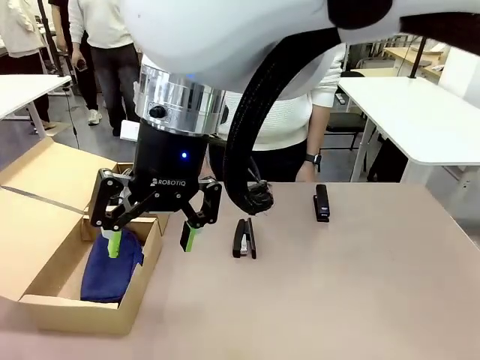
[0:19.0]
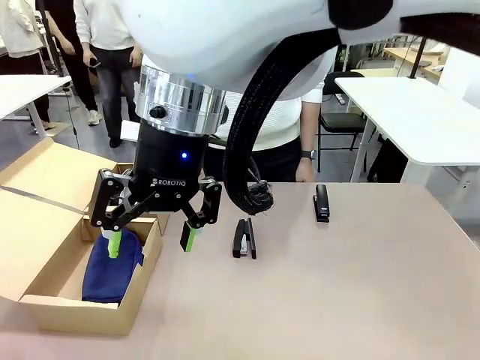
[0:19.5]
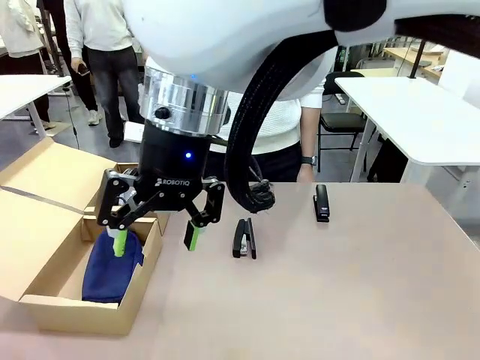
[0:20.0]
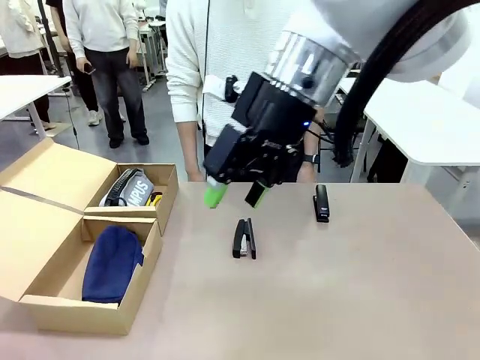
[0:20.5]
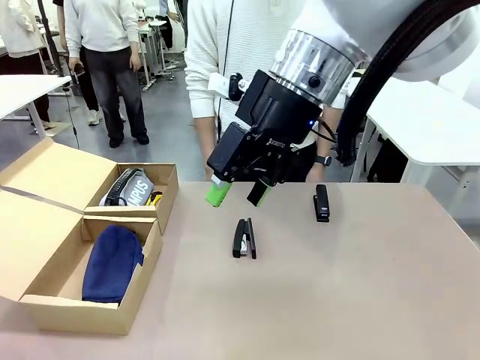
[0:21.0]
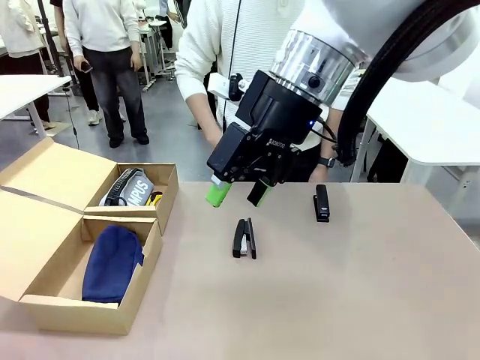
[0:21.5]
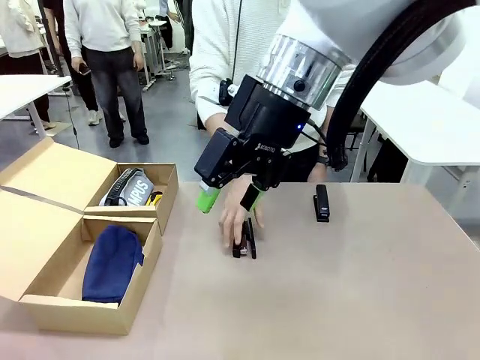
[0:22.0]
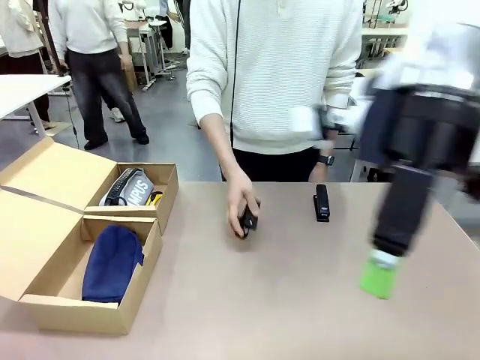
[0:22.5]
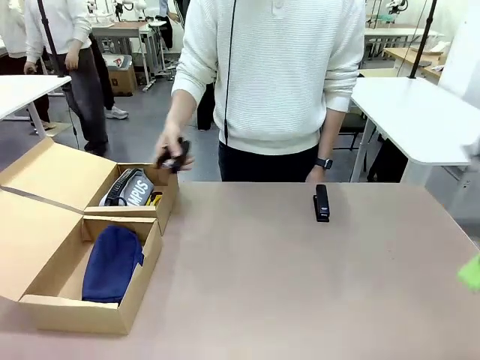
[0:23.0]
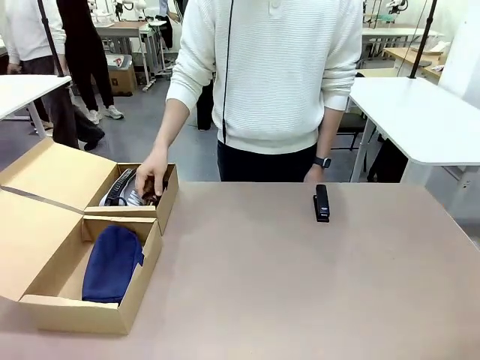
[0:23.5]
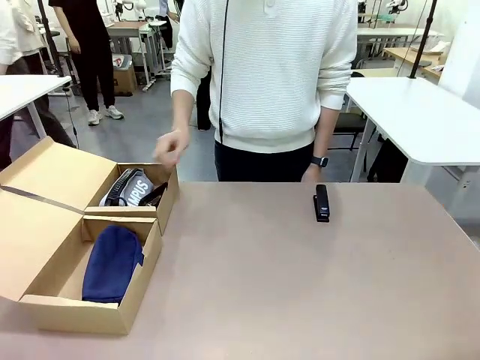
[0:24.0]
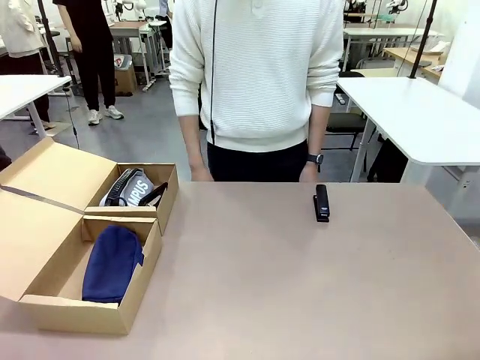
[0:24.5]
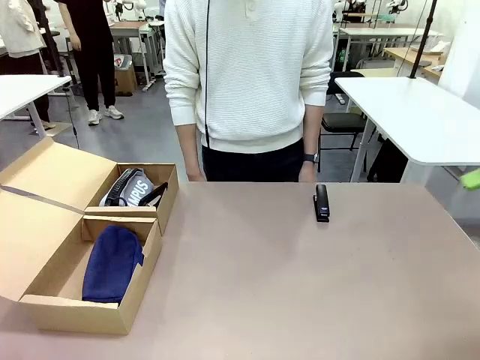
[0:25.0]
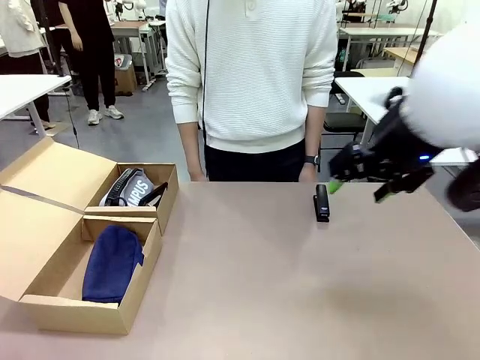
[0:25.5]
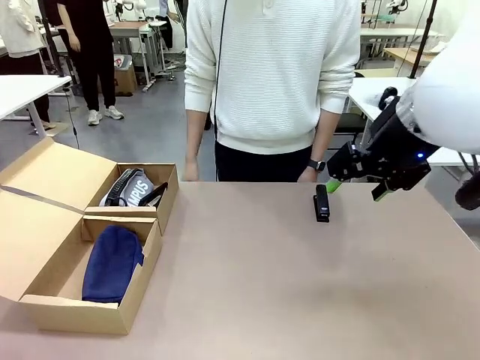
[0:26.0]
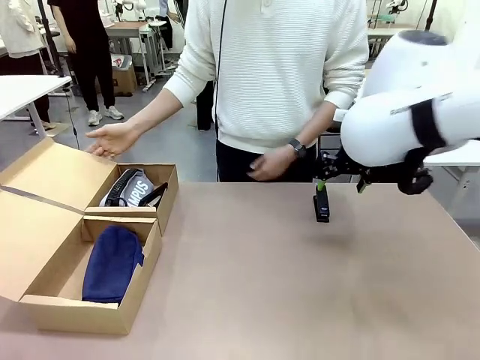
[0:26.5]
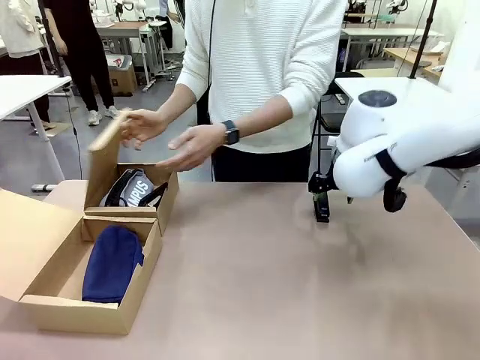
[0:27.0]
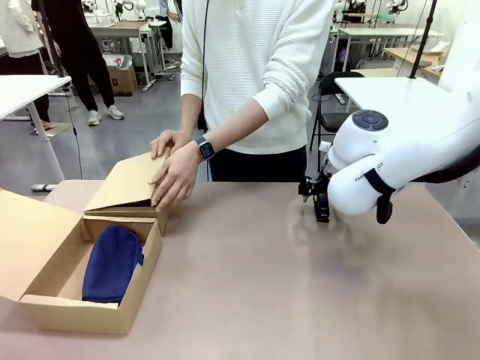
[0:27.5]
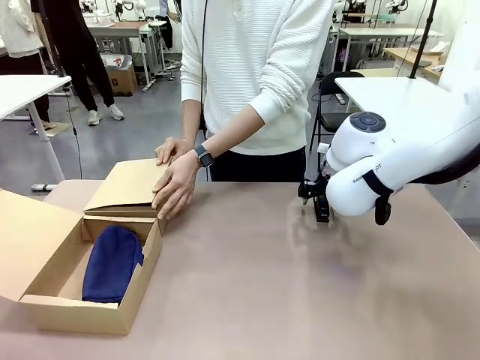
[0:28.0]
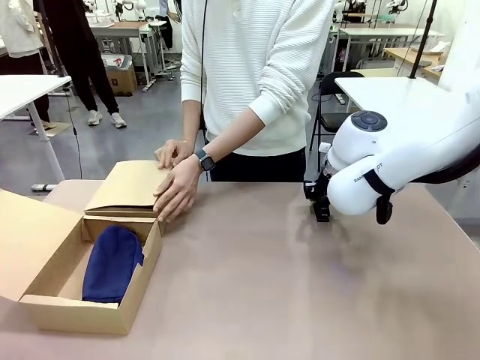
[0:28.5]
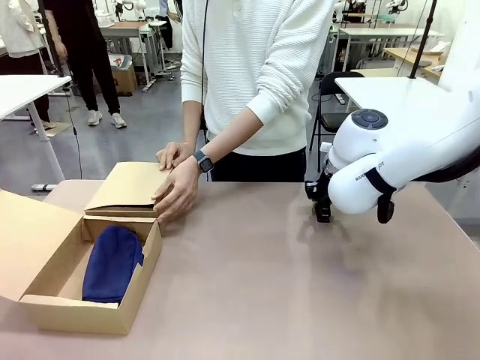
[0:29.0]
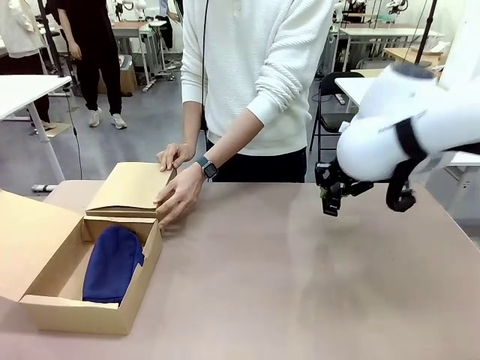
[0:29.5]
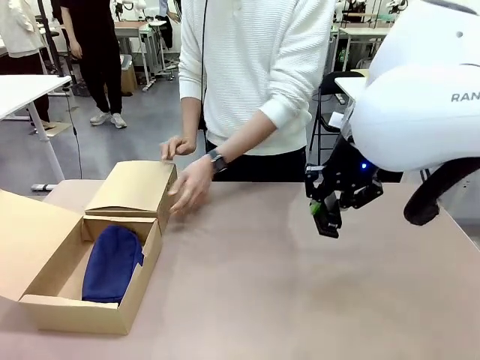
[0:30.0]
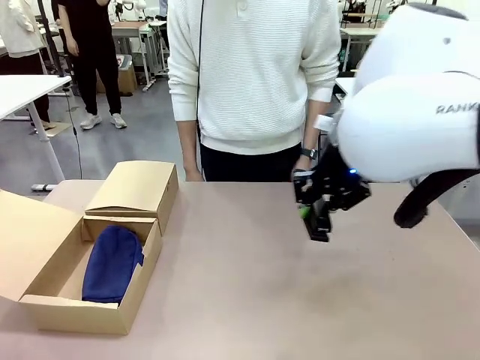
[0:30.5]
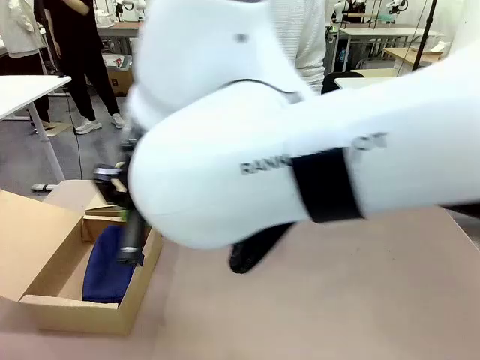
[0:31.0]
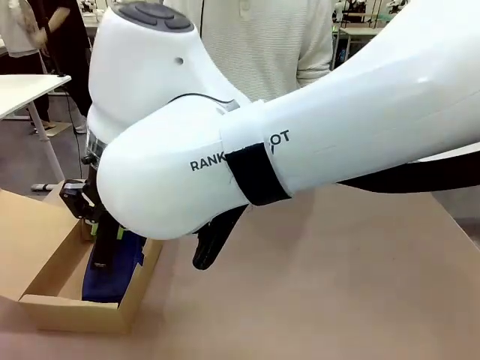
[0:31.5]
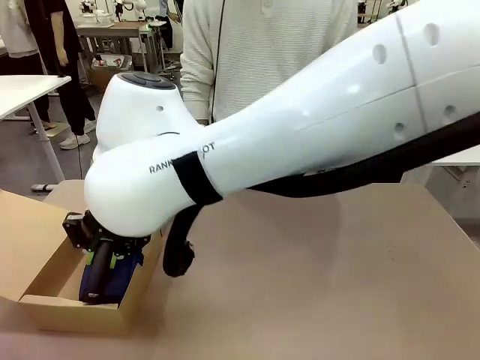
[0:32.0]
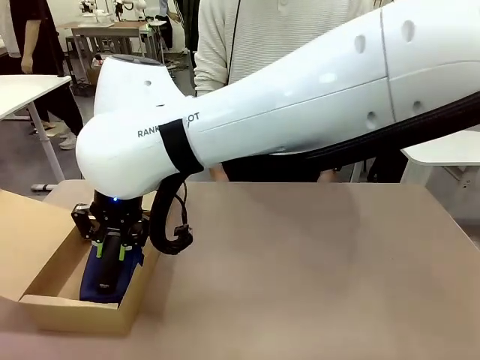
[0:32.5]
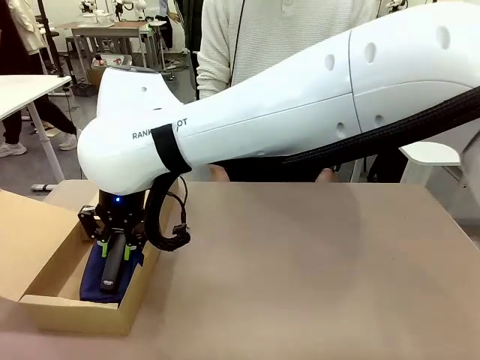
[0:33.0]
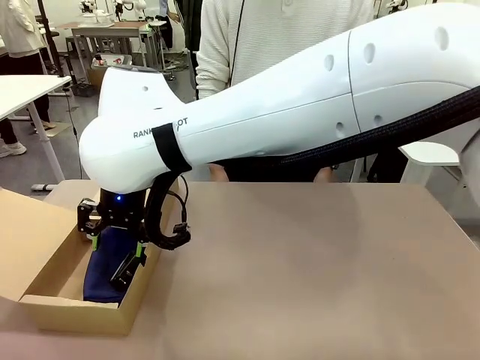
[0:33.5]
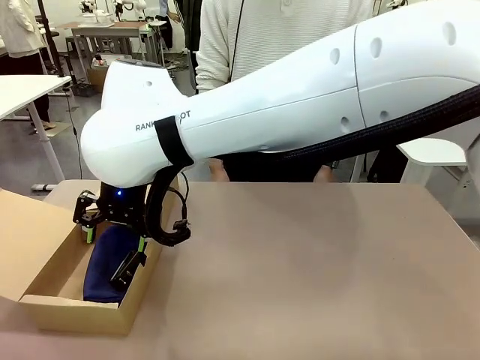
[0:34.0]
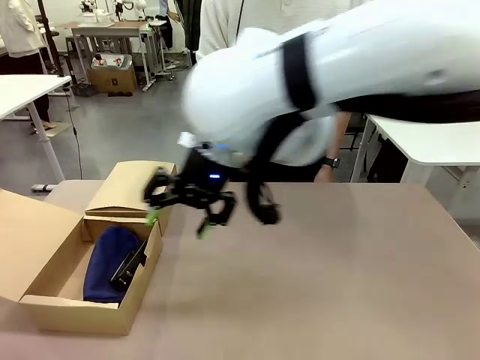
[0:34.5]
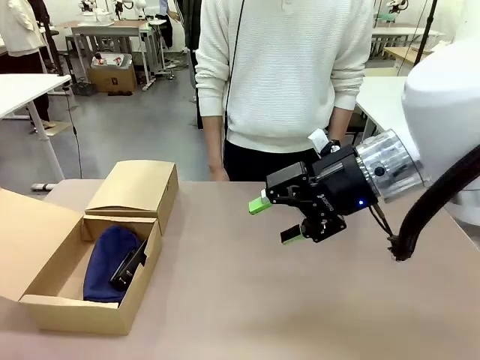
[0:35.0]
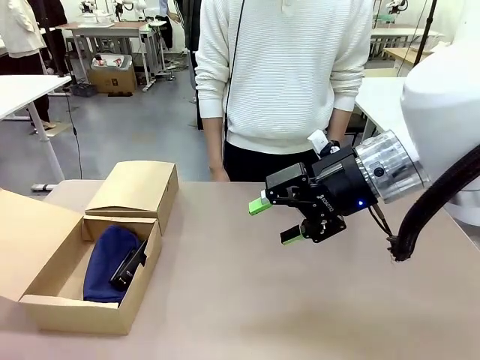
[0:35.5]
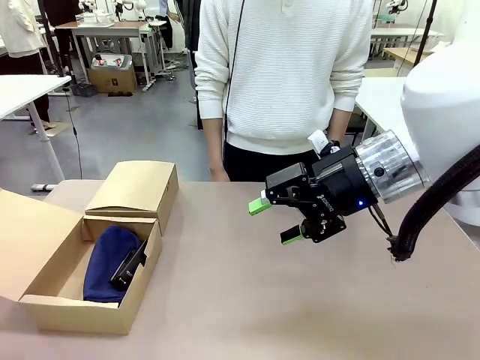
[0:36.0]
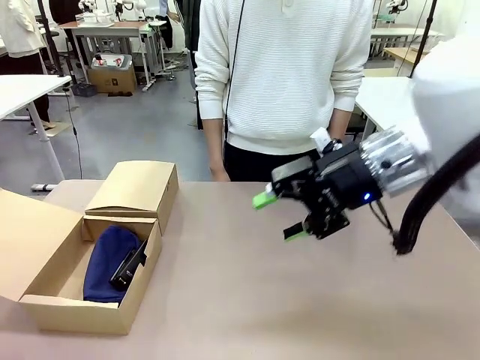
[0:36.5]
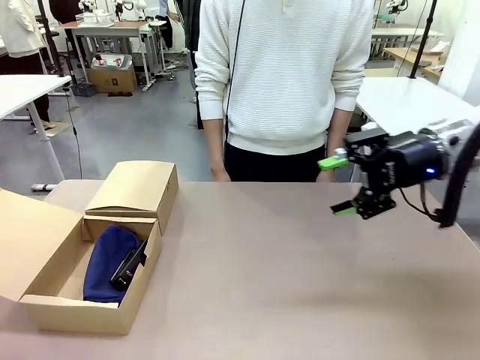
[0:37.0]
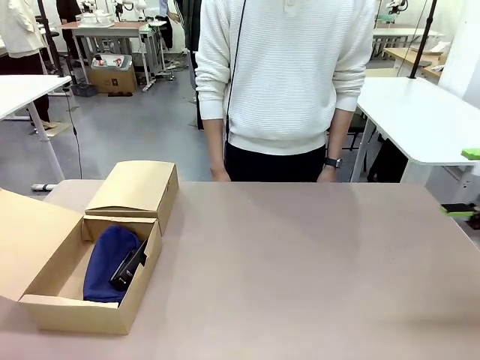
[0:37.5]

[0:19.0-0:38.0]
Task: Place items inside the box.
Robot: Pick up a Pencil pouch or Stapler and place it inside the Mailer Box closest to the robot.
Person: Close the lid of the box facing the person.

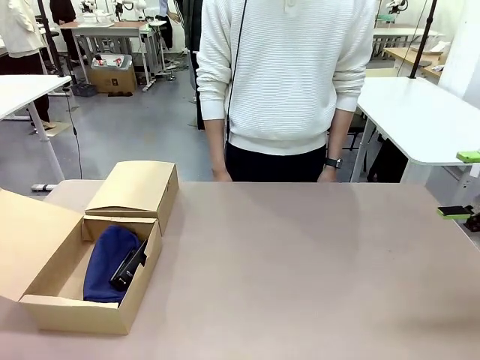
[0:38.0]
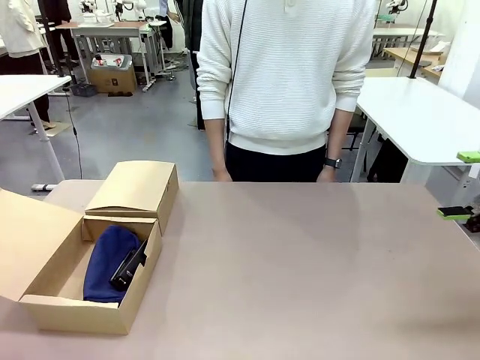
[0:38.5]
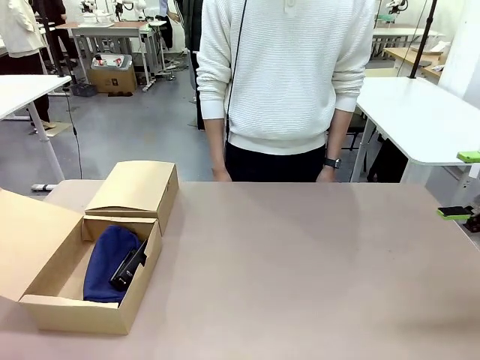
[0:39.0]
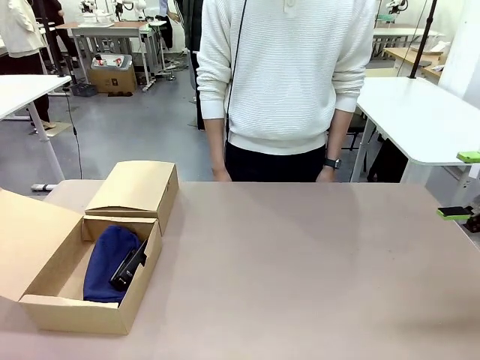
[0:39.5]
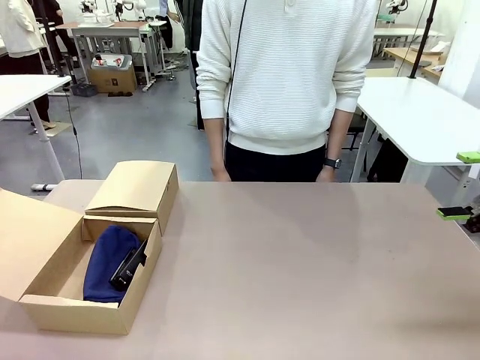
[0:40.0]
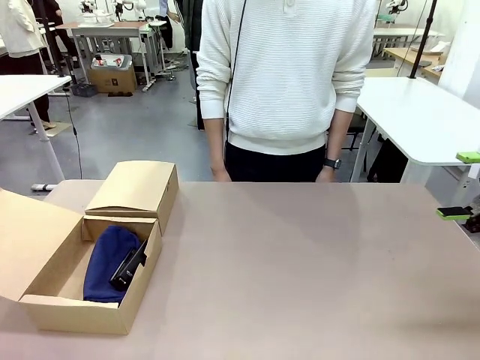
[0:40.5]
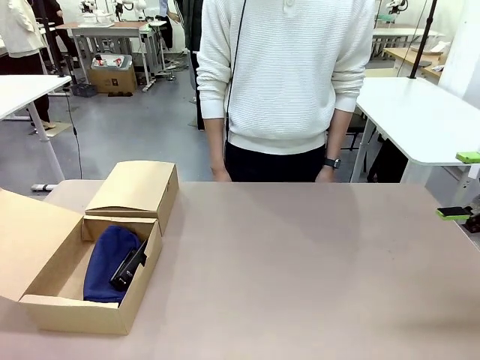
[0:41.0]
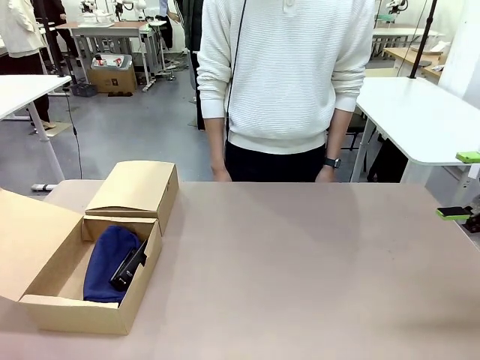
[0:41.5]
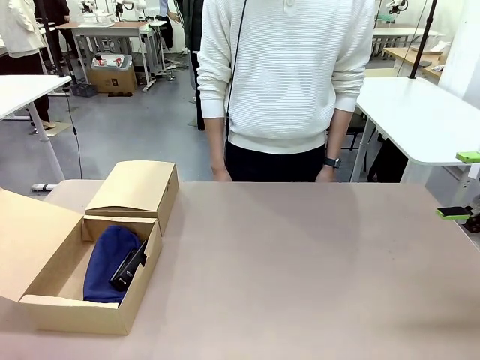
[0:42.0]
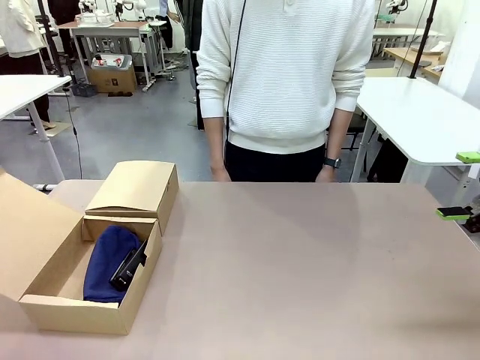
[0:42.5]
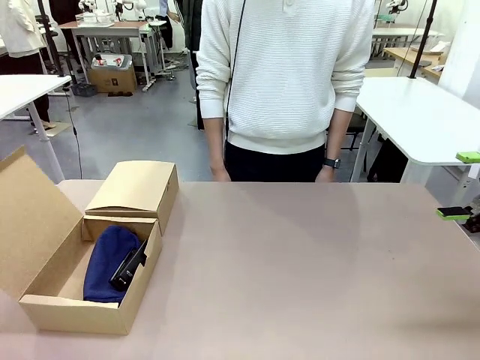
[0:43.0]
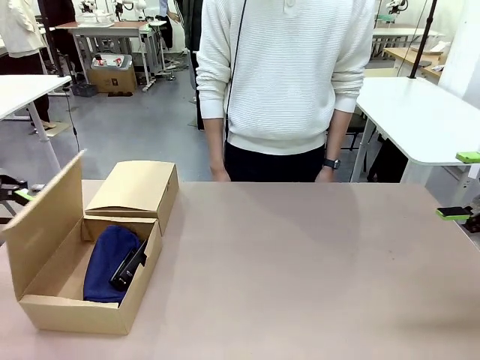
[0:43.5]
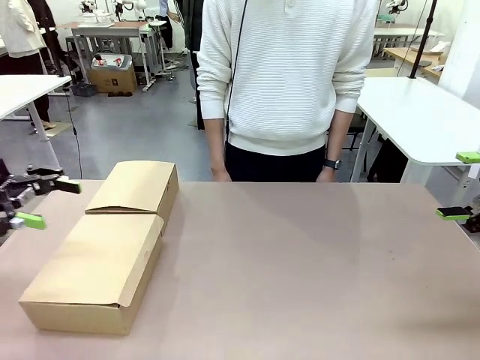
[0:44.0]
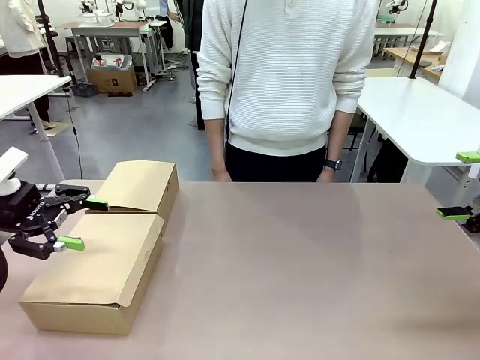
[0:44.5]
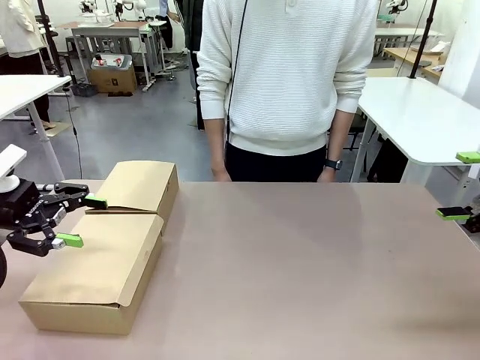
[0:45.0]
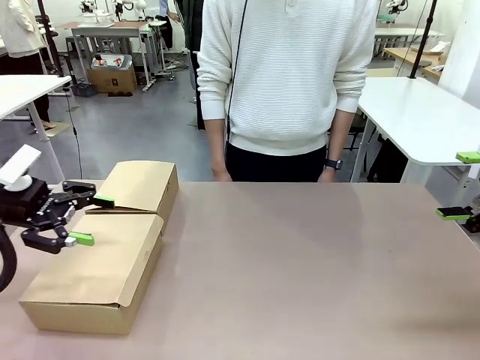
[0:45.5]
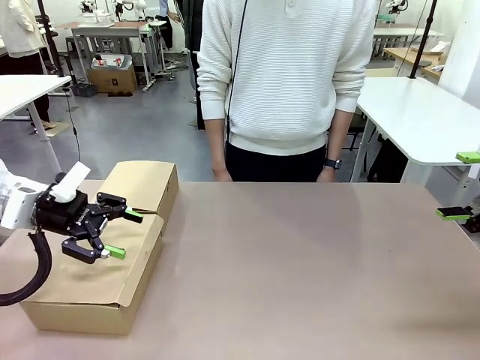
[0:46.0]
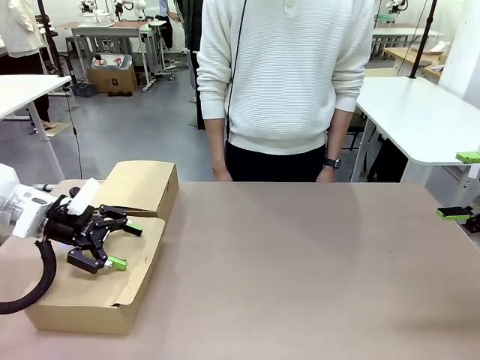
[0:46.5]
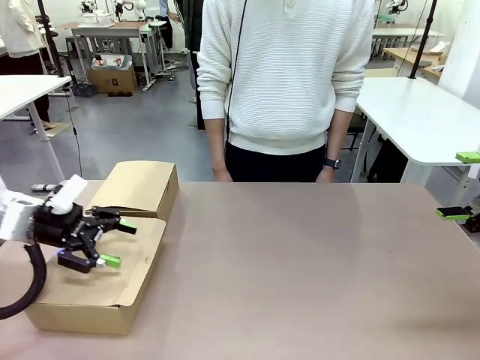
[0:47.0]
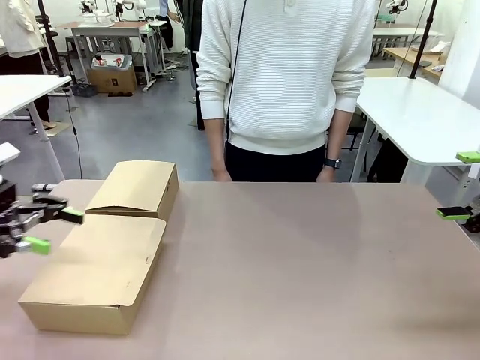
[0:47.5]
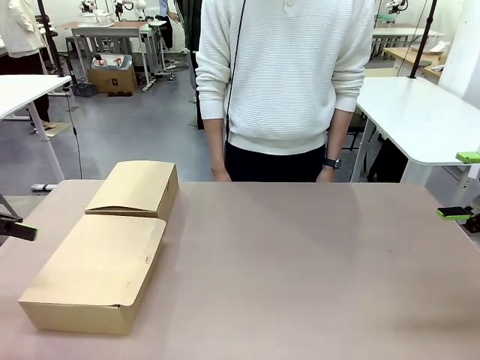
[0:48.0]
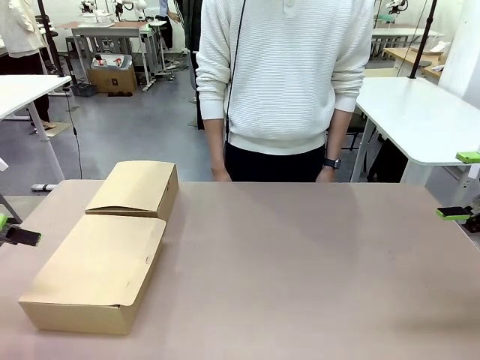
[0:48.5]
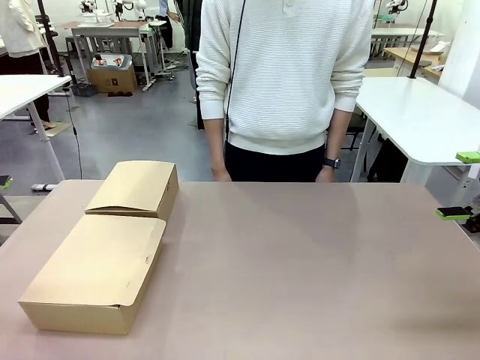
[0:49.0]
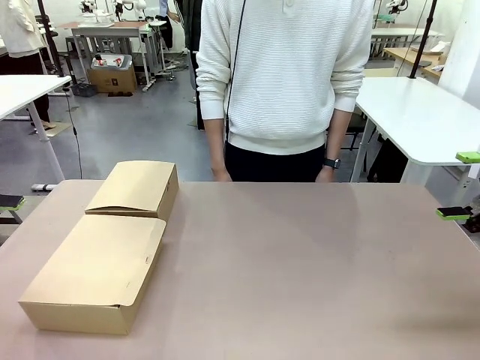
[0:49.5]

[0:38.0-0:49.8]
Robot: Close the lid of the Mailer Box closest to the robot.
